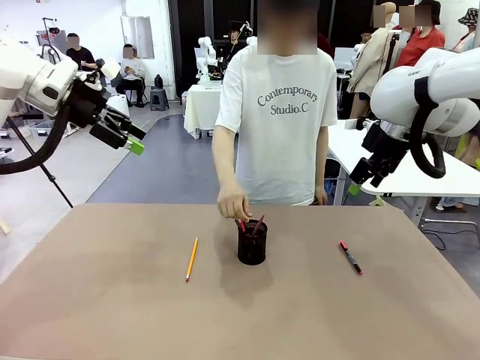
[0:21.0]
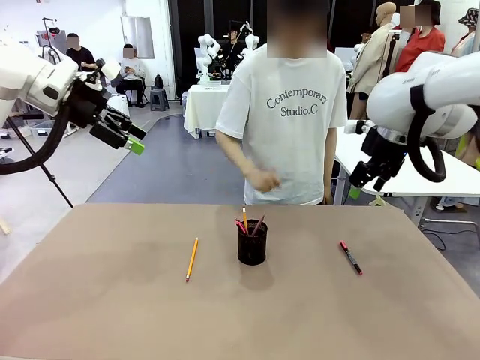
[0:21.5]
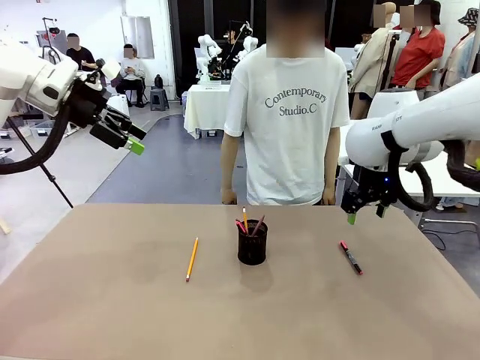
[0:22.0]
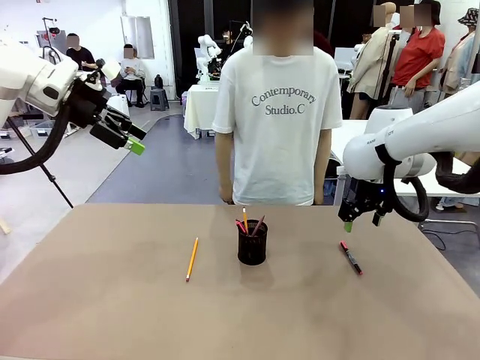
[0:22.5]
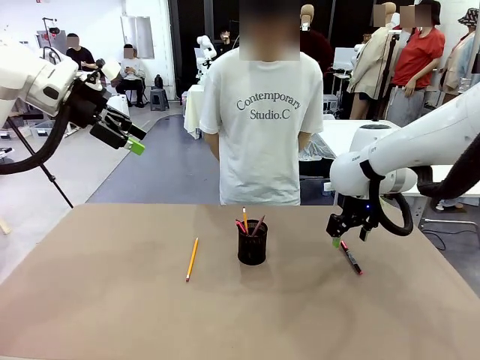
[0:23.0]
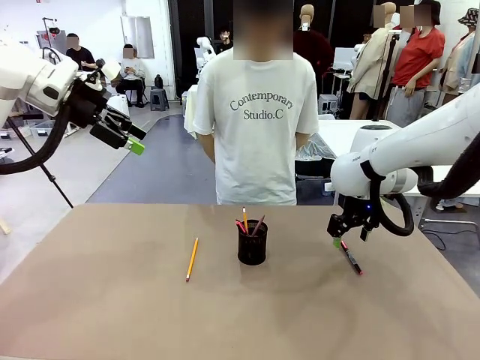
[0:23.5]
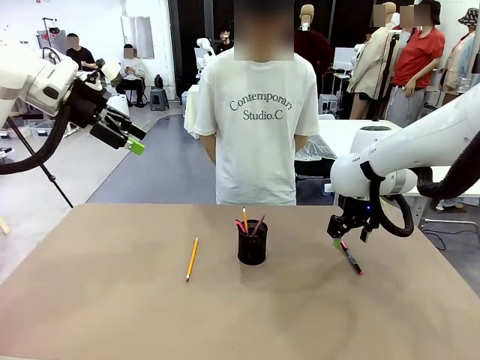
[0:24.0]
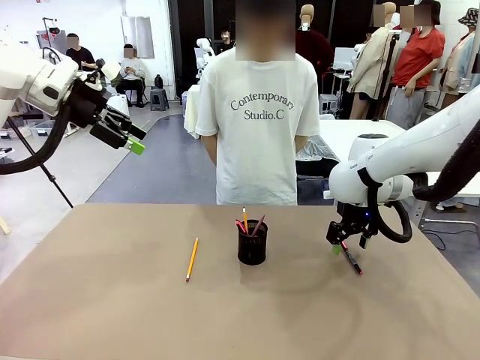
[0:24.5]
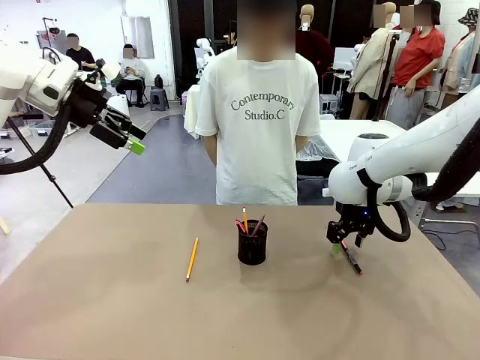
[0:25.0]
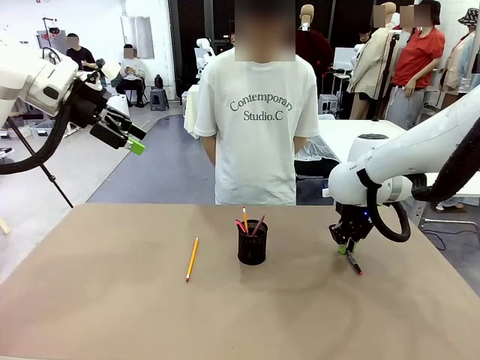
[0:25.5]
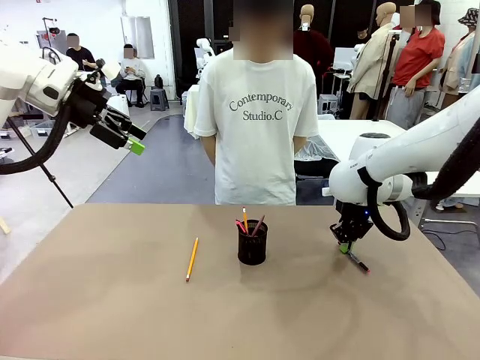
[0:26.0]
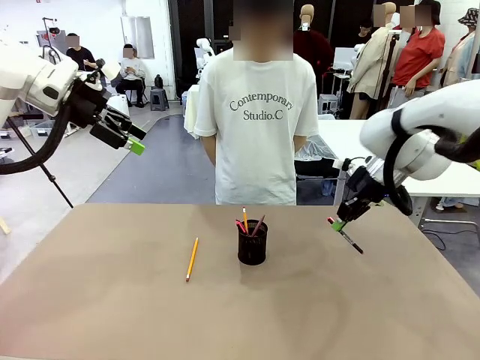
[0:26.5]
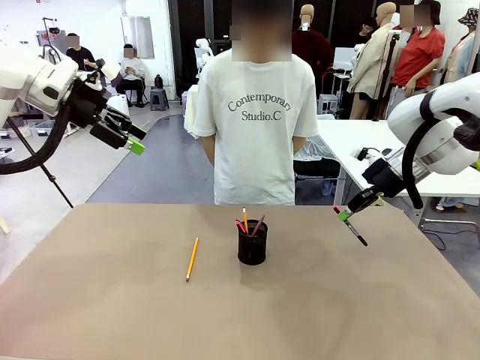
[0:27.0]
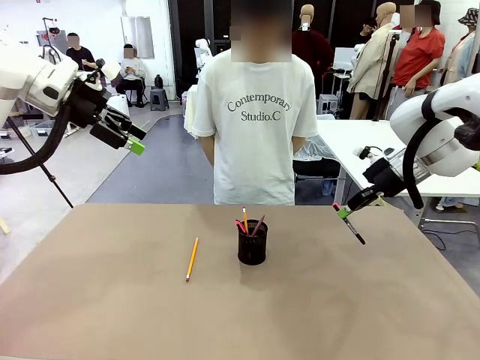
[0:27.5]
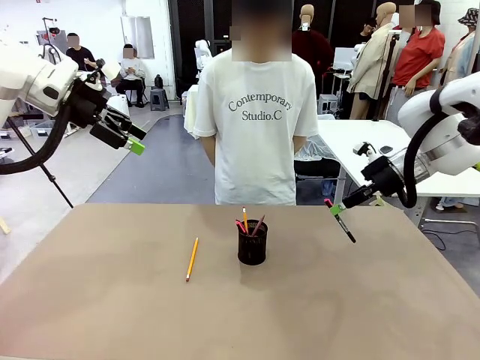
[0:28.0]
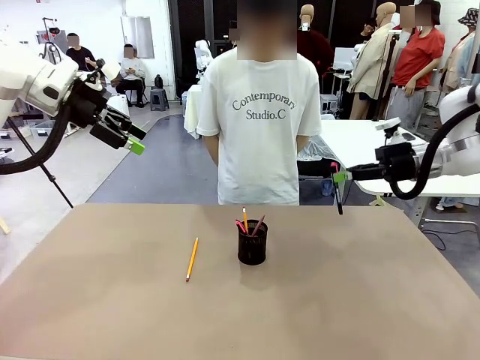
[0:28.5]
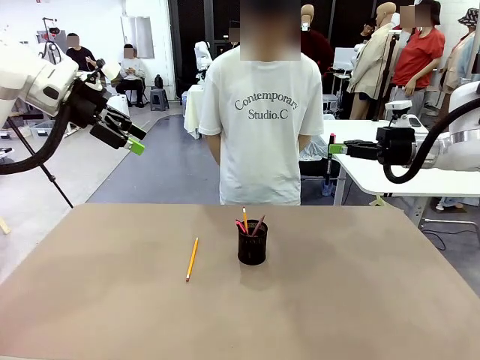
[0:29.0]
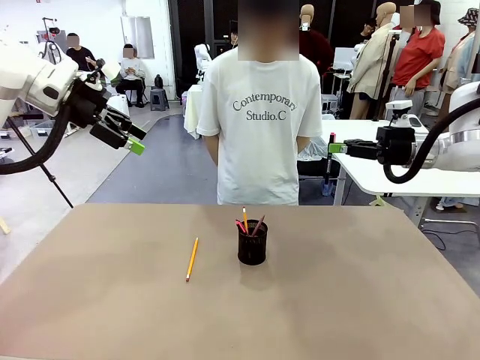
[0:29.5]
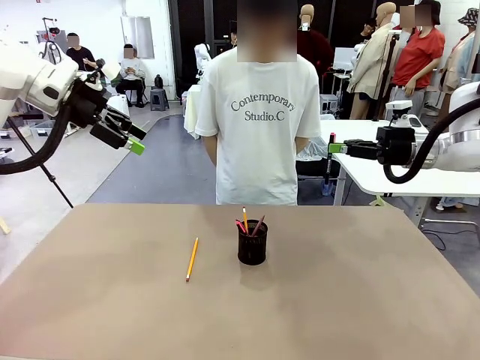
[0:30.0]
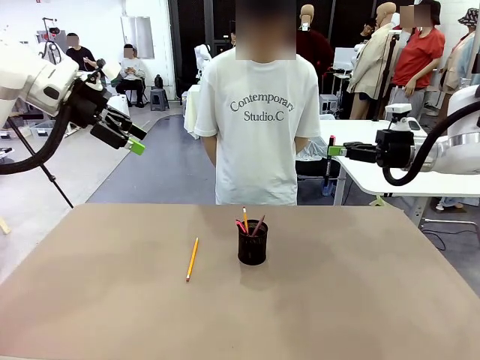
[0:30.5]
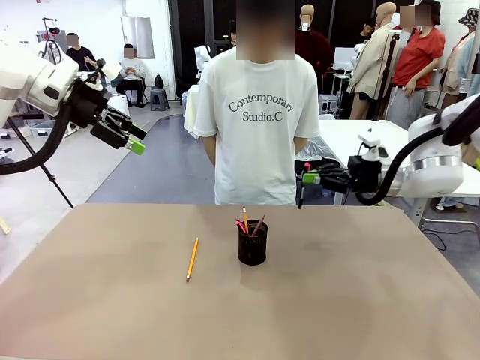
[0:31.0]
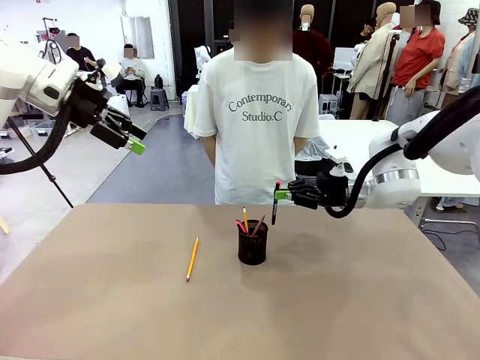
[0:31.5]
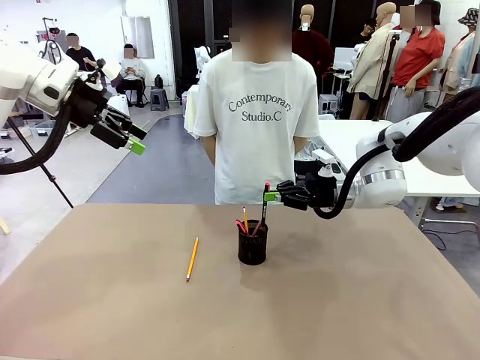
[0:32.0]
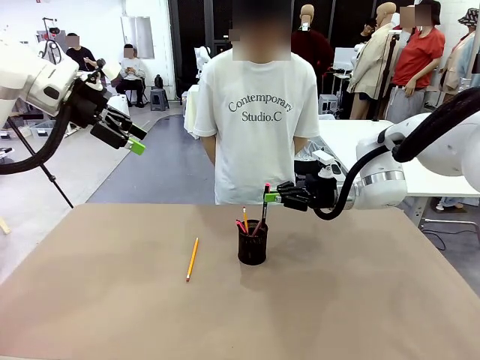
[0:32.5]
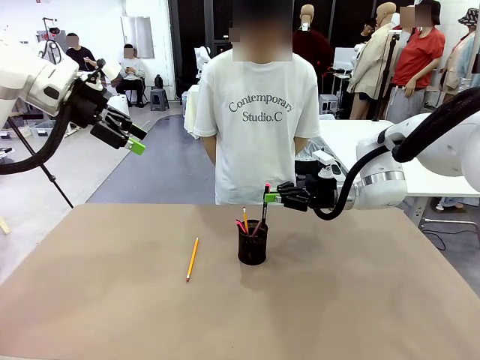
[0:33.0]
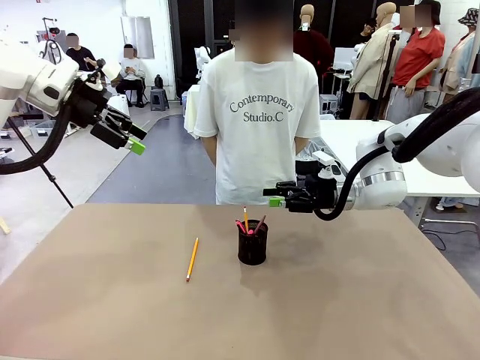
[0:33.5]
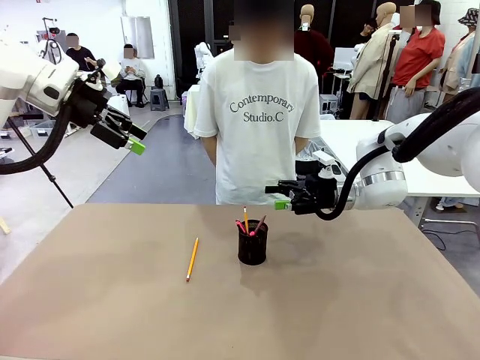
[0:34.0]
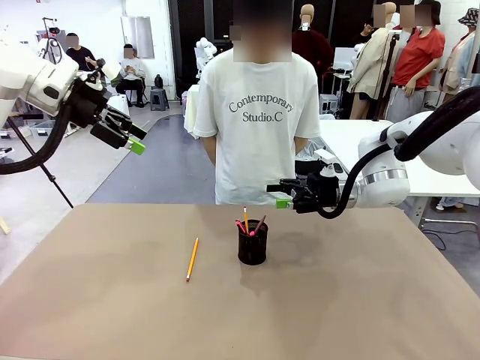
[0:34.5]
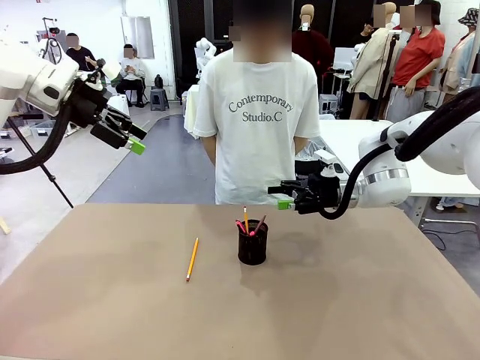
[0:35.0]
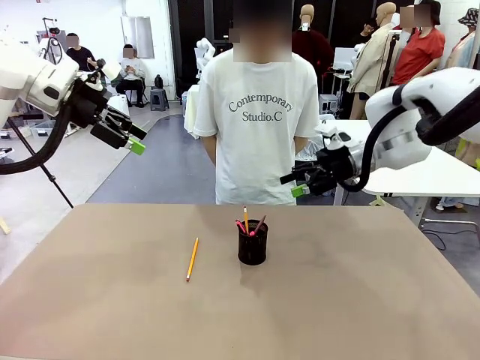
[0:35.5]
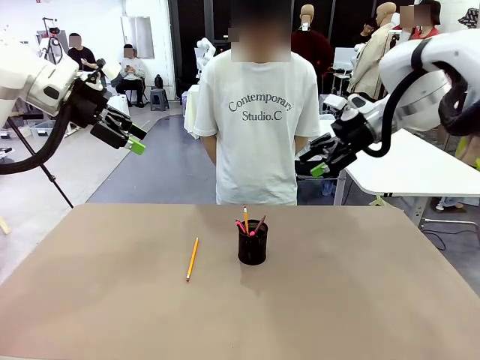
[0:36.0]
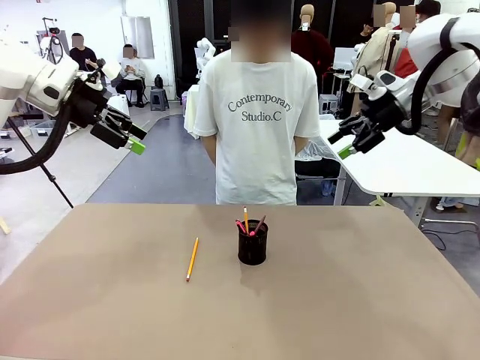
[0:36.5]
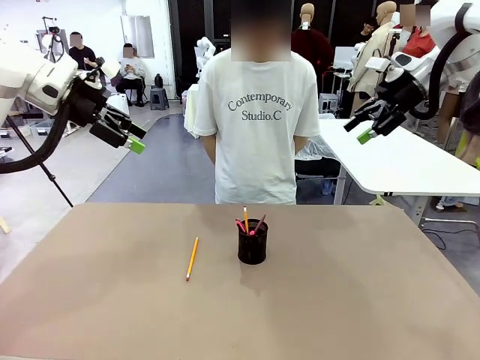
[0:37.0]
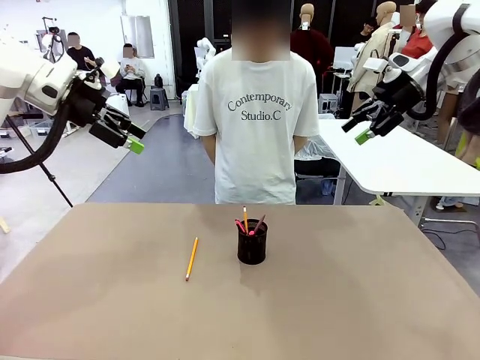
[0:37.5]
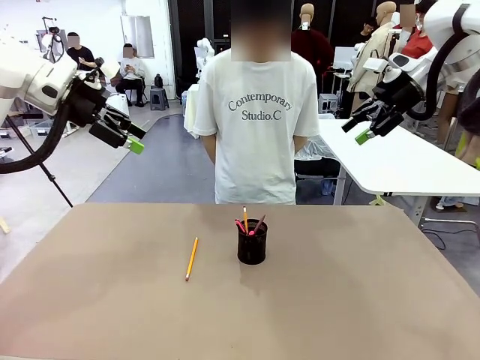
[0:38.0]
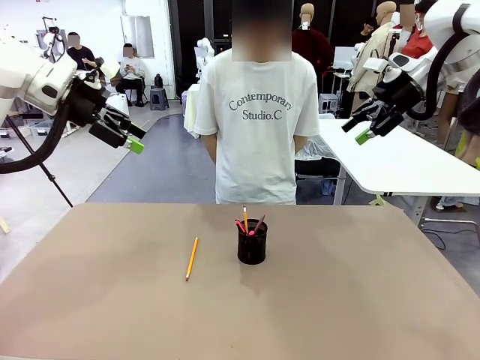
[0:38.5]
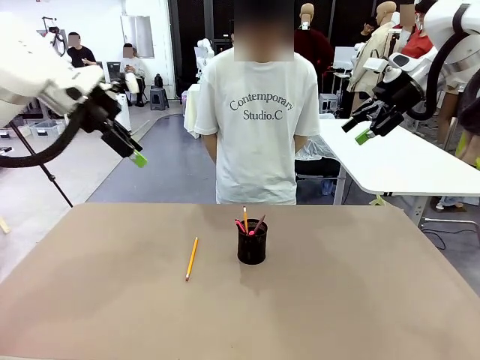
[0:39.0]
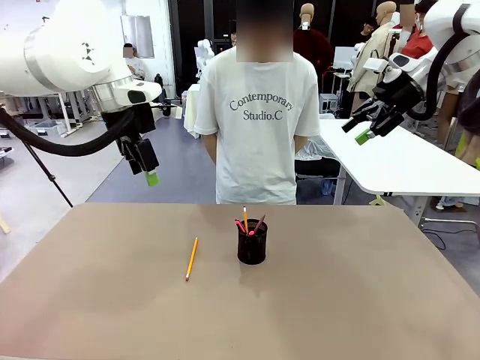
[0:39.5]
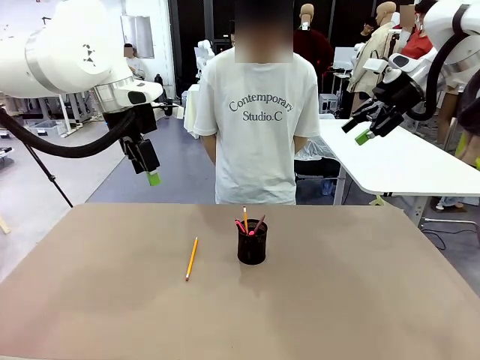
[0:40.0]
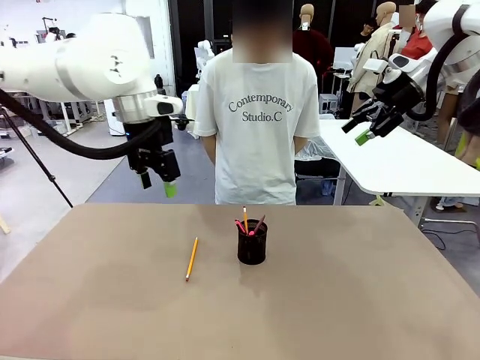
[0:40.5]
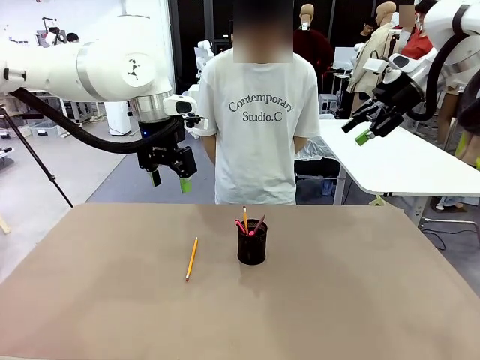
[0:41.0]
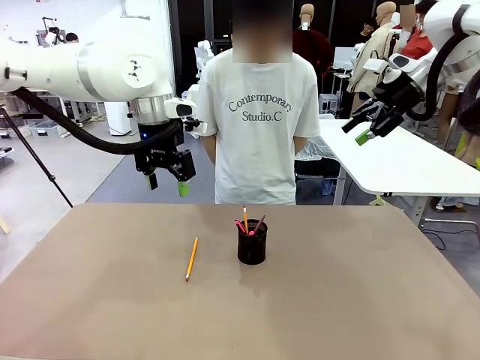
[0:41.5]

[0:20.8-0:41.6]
Task: Place the pens into the pen holder.
Robot: Pick up a writing instrument from the table and place it into the Pen holder.

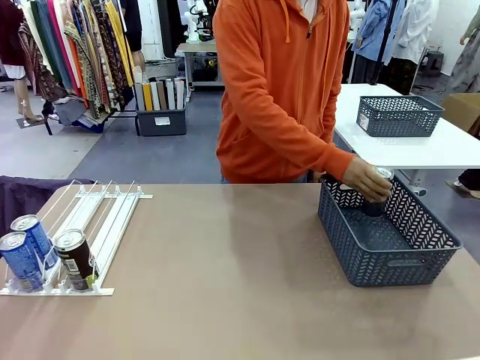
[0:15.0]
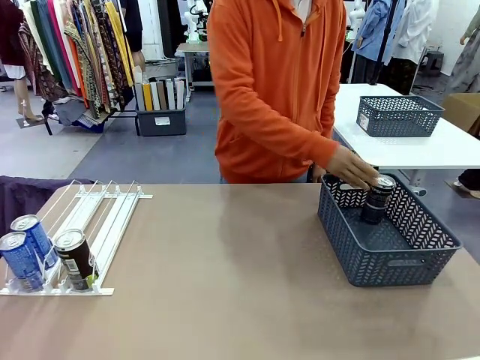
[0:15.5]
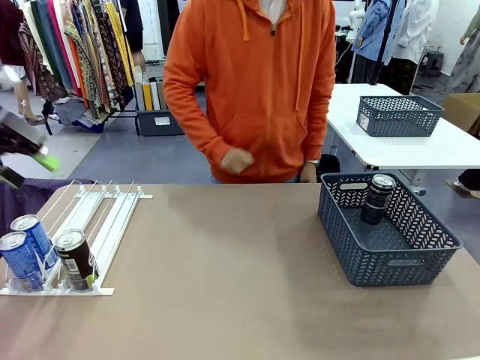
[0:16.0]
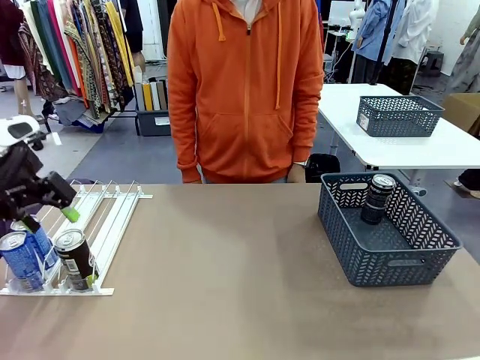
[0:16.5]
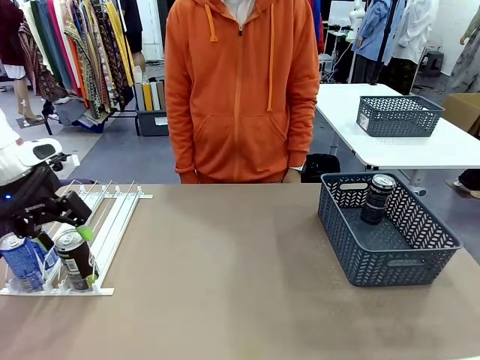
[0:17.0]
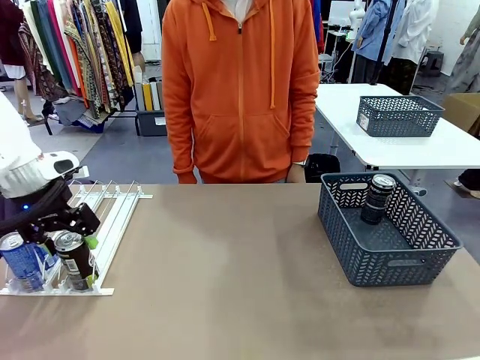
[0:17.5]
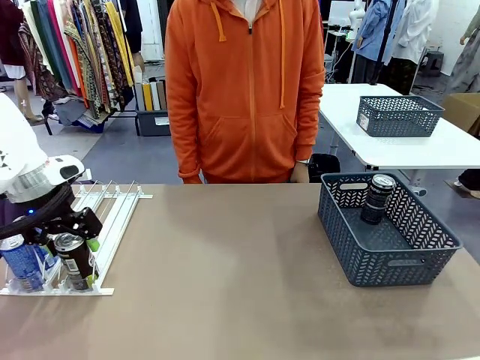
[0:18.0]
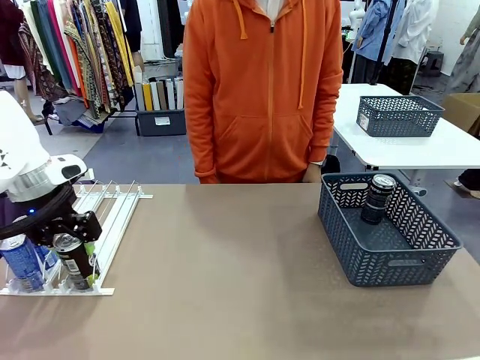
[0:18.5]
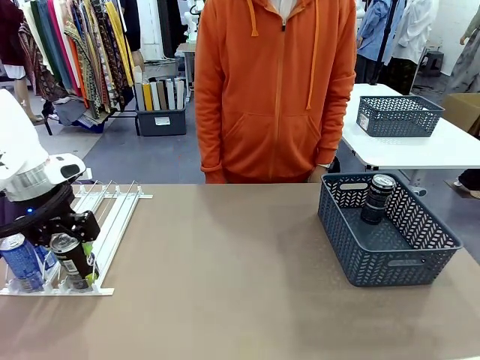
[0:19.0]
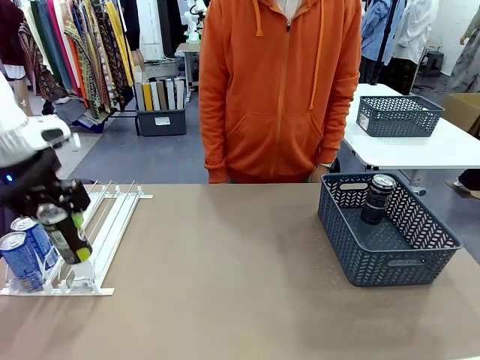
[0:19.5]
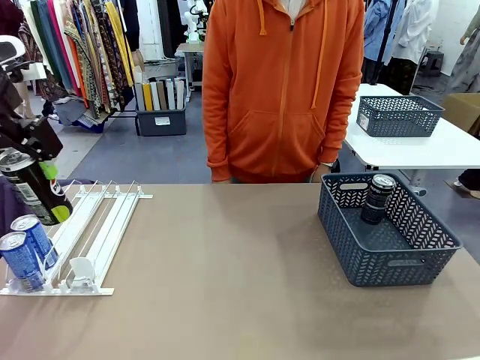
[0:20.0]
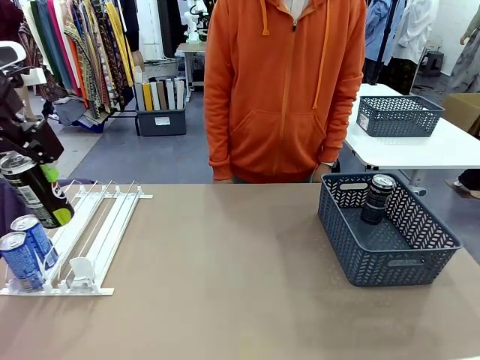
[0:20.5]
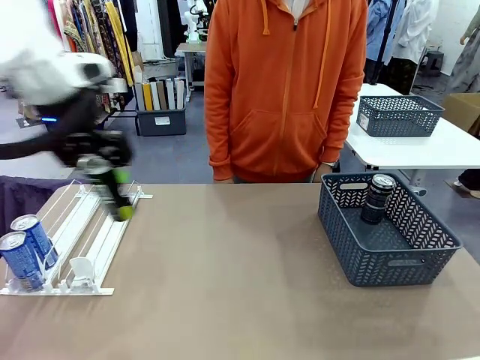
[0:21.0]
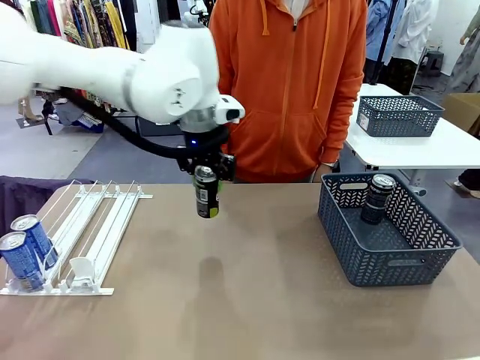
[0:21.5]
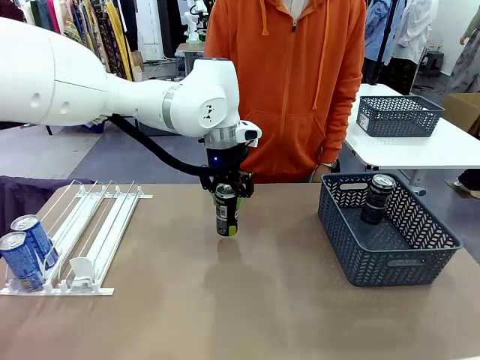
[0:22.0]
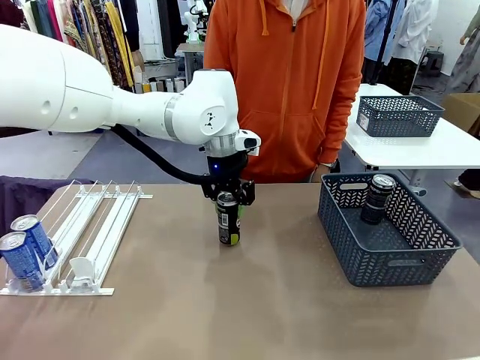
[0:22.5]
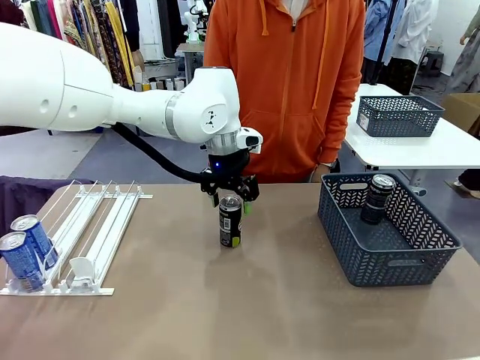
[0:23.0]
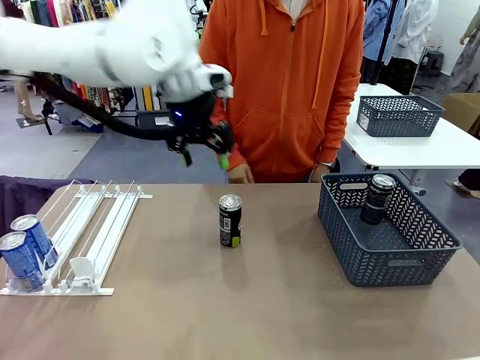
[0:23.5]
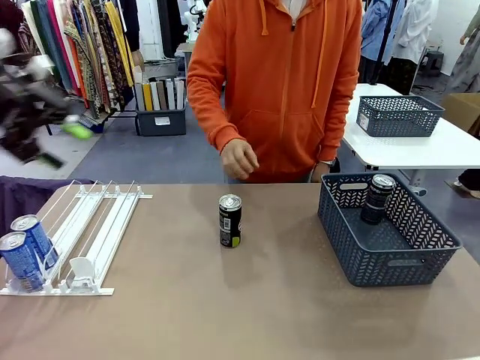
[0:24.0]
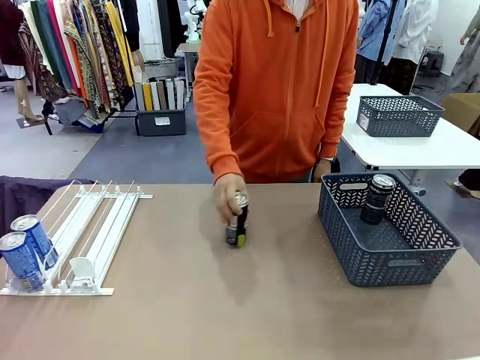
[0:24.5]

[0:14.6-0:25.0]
Task: Retrieve and store the cans from the dispenser.
Robot: Pick up the last remaining can from one row of the Automatic Can Dispenser and place it in the middle of the table.
Person: Pick up one Pepsi can from the middle of the robot table and place it in the basket.
